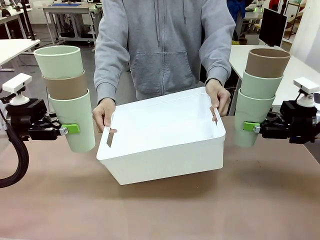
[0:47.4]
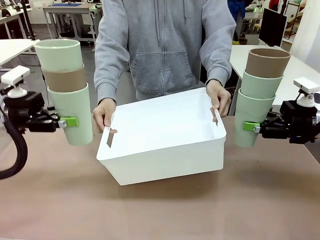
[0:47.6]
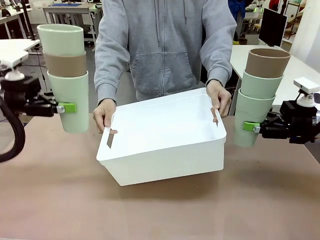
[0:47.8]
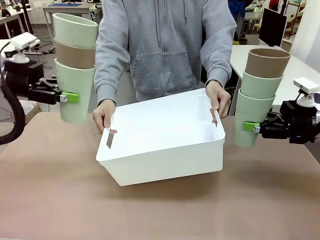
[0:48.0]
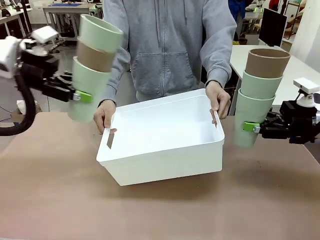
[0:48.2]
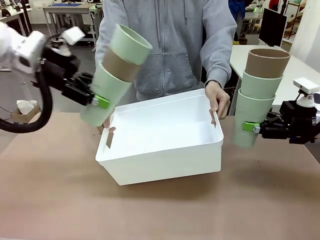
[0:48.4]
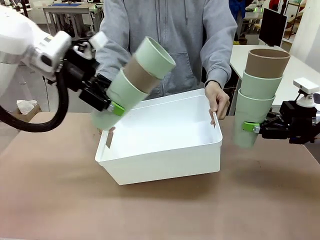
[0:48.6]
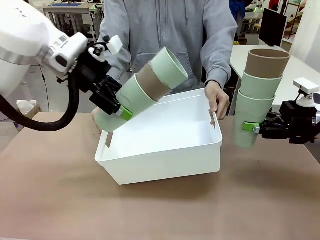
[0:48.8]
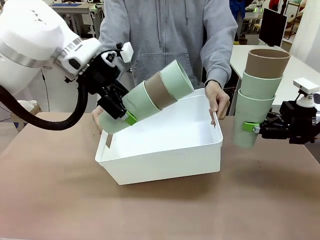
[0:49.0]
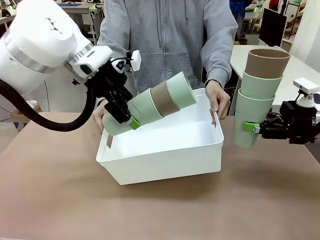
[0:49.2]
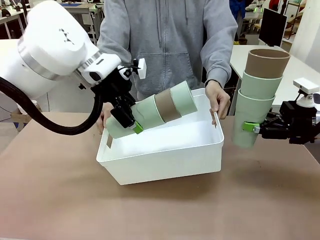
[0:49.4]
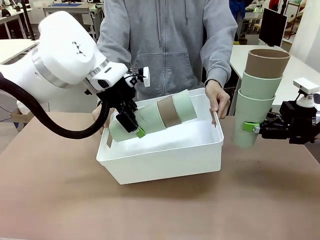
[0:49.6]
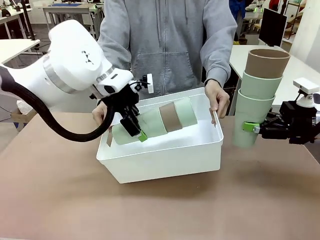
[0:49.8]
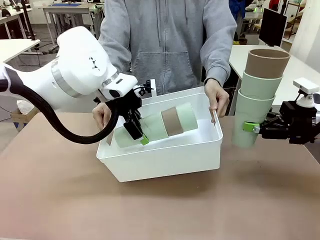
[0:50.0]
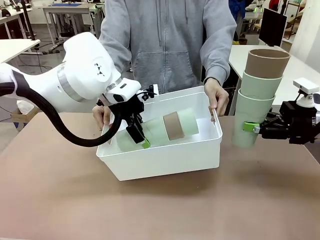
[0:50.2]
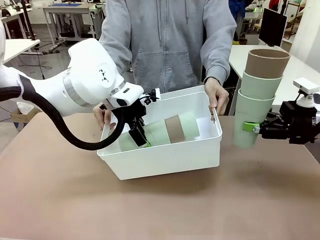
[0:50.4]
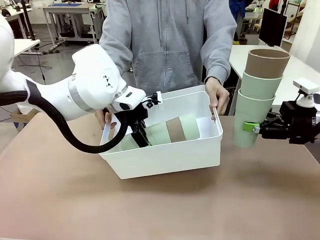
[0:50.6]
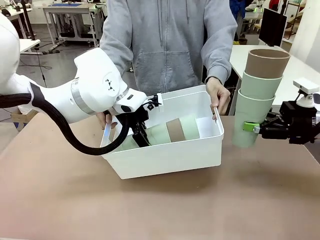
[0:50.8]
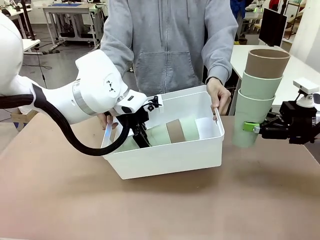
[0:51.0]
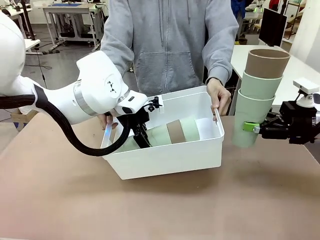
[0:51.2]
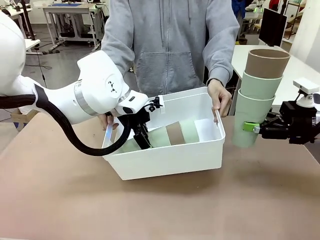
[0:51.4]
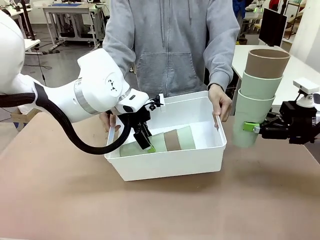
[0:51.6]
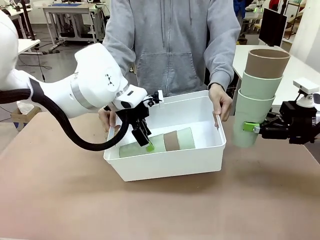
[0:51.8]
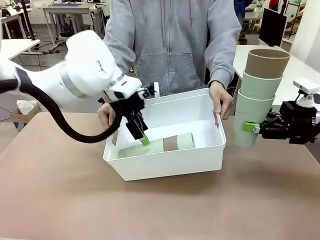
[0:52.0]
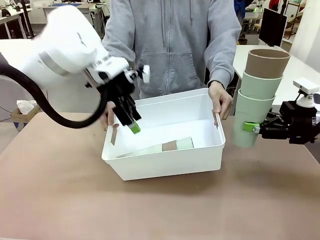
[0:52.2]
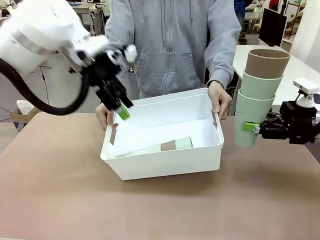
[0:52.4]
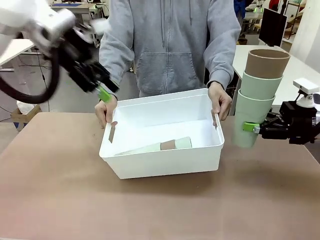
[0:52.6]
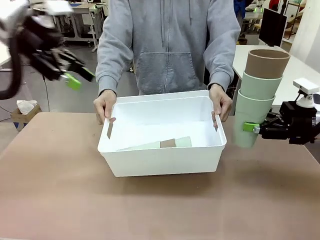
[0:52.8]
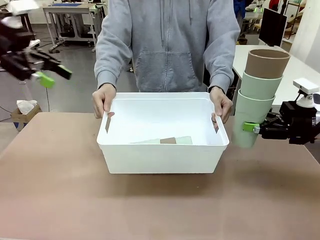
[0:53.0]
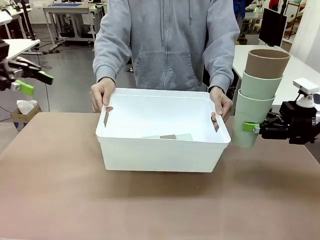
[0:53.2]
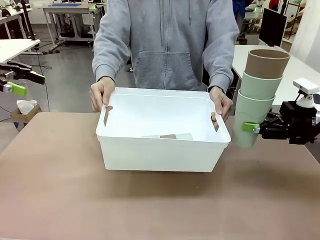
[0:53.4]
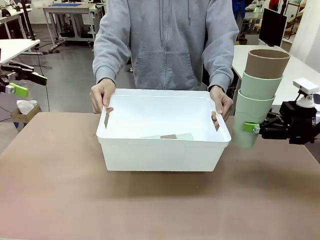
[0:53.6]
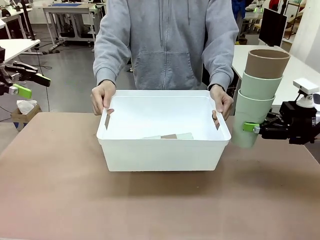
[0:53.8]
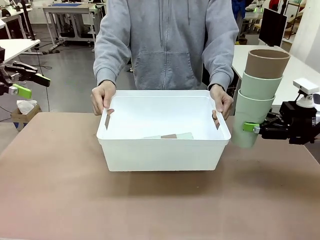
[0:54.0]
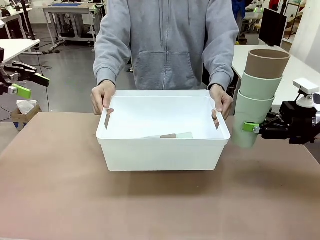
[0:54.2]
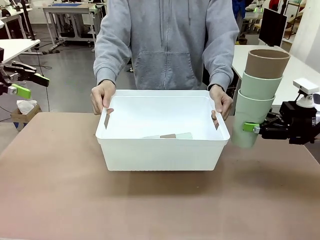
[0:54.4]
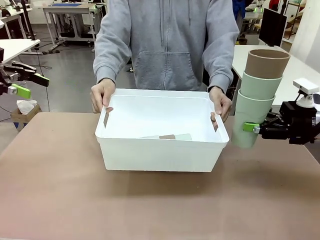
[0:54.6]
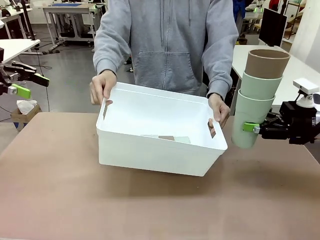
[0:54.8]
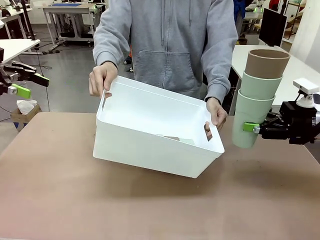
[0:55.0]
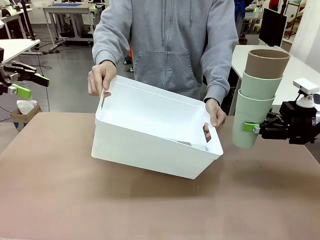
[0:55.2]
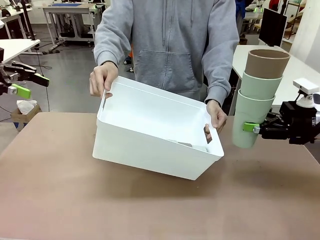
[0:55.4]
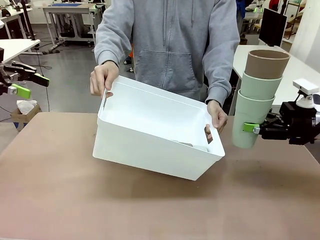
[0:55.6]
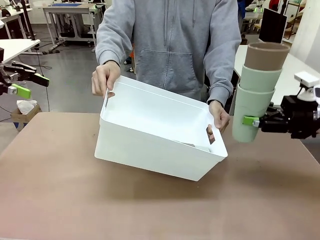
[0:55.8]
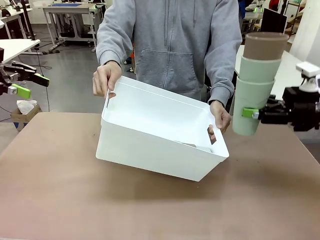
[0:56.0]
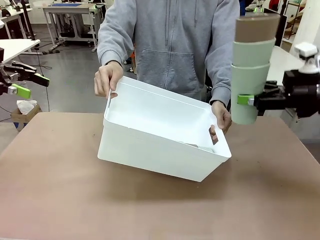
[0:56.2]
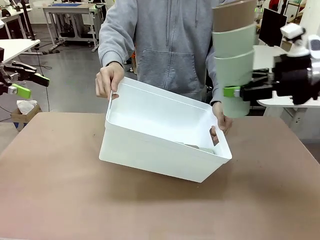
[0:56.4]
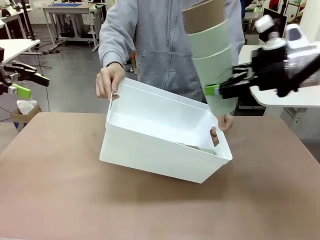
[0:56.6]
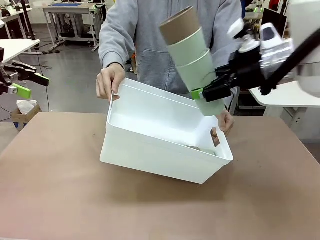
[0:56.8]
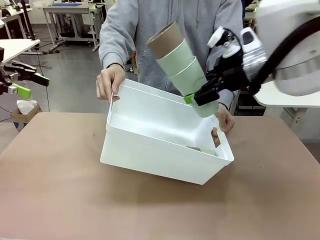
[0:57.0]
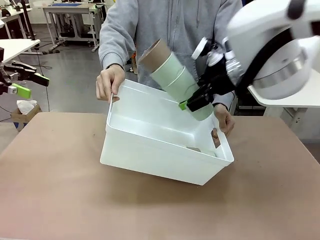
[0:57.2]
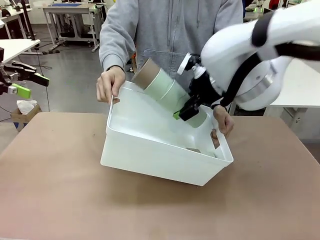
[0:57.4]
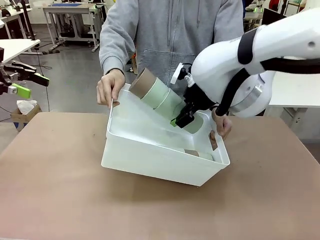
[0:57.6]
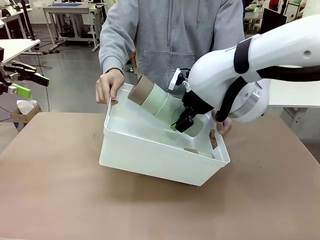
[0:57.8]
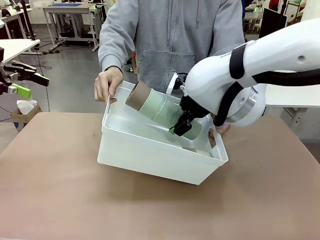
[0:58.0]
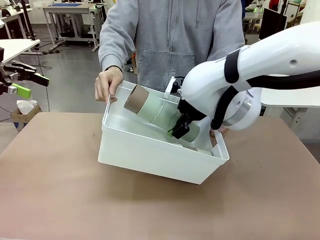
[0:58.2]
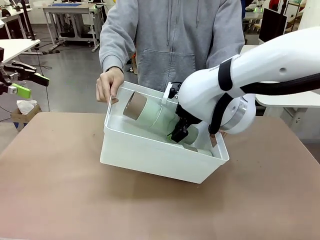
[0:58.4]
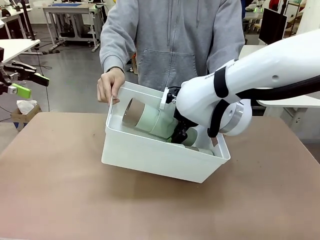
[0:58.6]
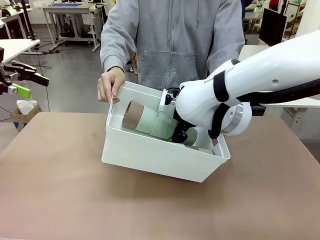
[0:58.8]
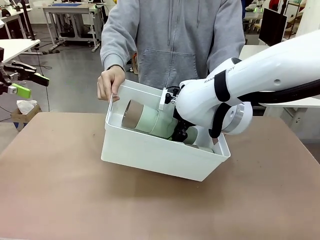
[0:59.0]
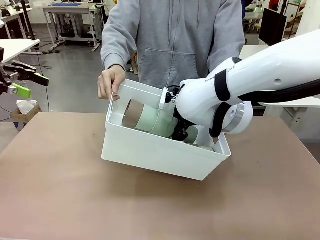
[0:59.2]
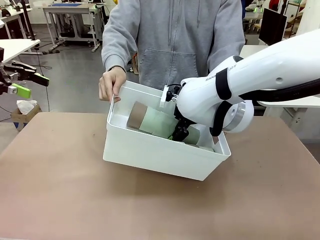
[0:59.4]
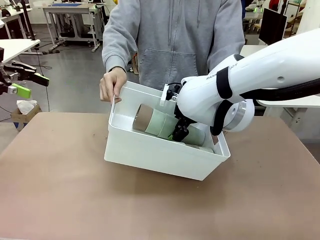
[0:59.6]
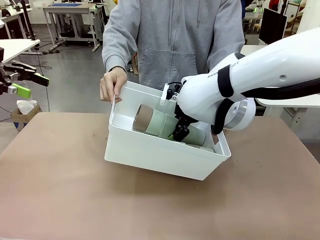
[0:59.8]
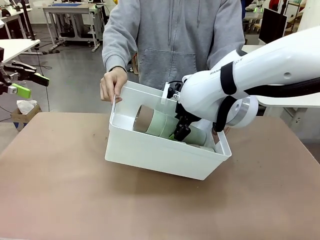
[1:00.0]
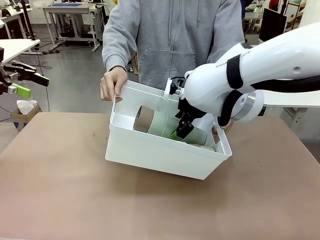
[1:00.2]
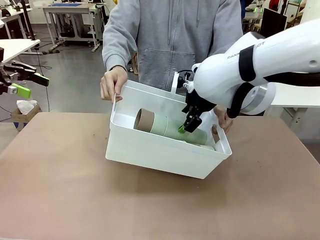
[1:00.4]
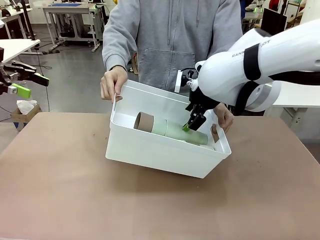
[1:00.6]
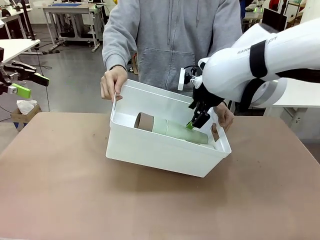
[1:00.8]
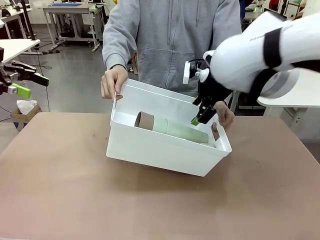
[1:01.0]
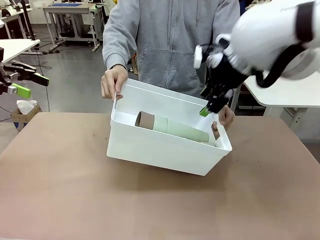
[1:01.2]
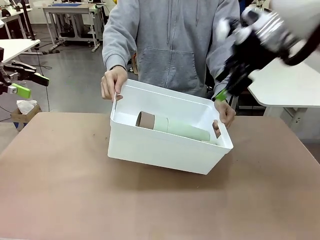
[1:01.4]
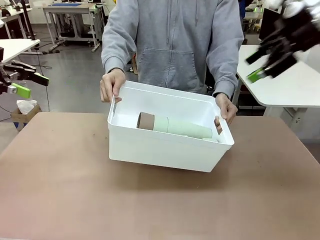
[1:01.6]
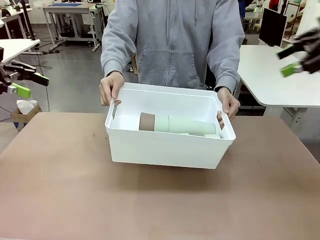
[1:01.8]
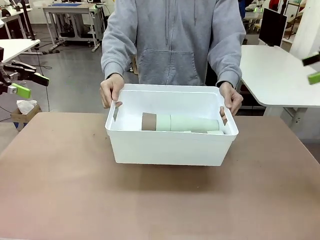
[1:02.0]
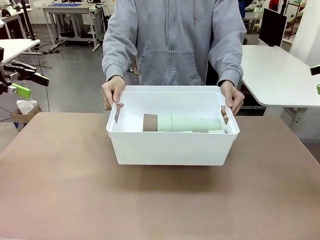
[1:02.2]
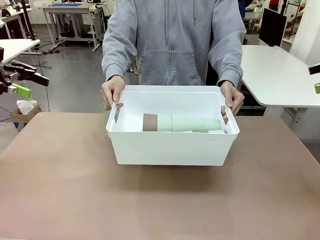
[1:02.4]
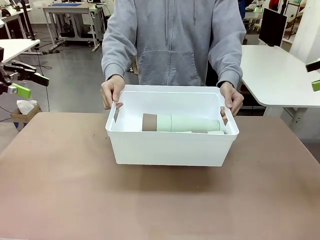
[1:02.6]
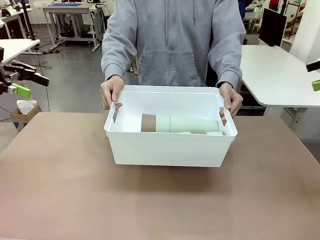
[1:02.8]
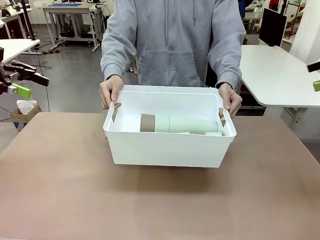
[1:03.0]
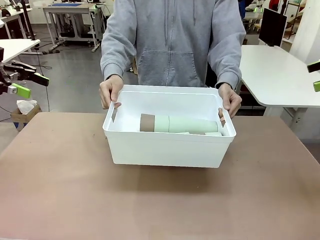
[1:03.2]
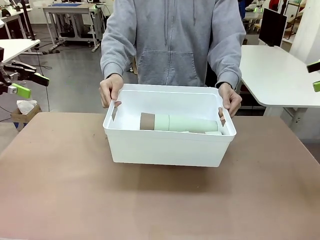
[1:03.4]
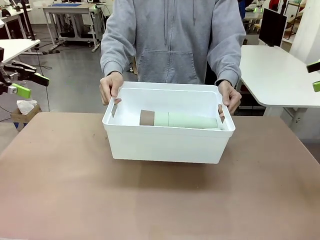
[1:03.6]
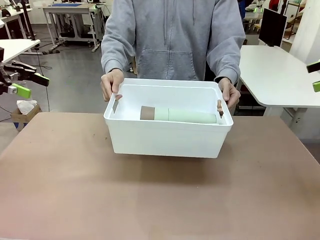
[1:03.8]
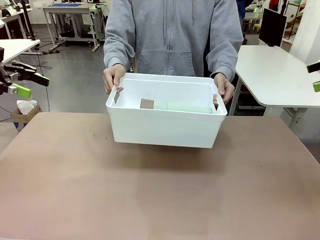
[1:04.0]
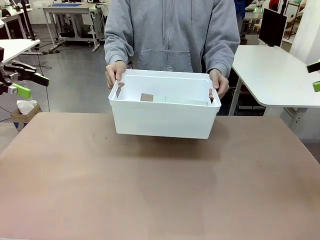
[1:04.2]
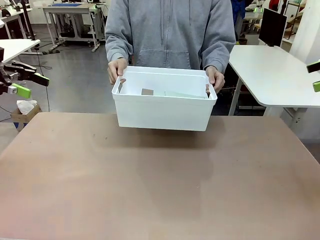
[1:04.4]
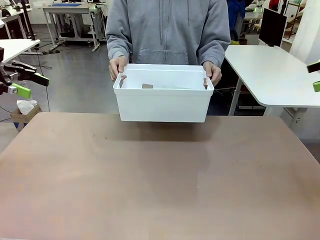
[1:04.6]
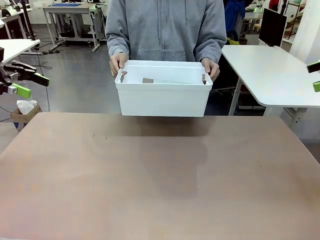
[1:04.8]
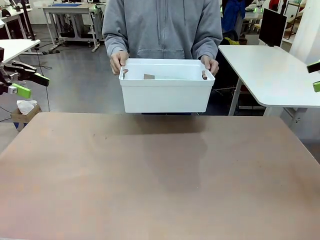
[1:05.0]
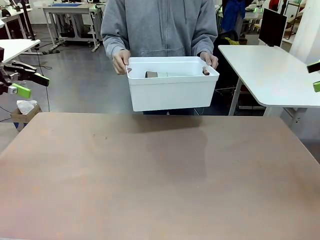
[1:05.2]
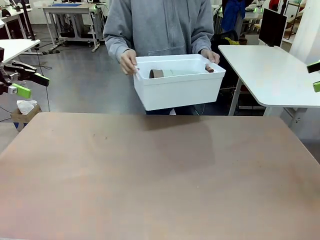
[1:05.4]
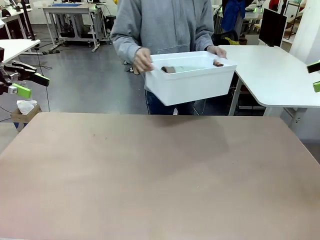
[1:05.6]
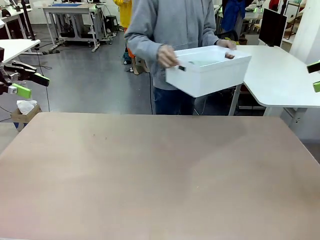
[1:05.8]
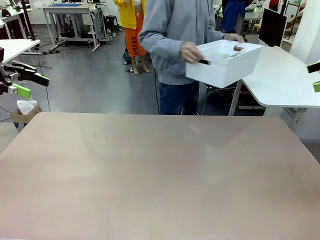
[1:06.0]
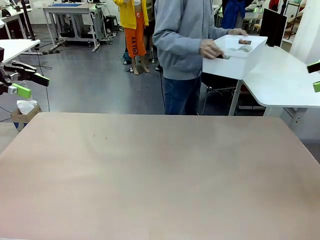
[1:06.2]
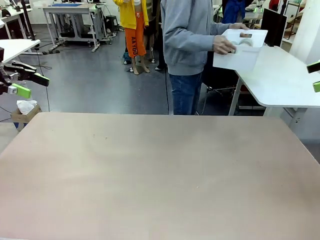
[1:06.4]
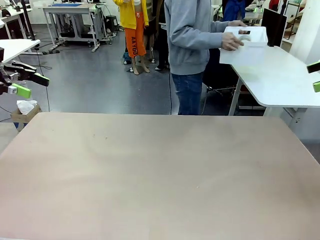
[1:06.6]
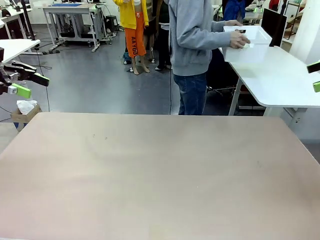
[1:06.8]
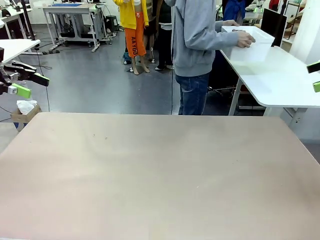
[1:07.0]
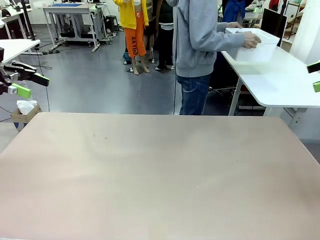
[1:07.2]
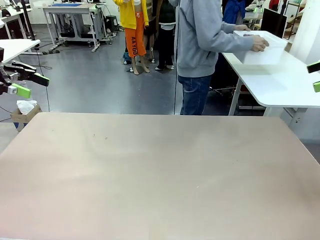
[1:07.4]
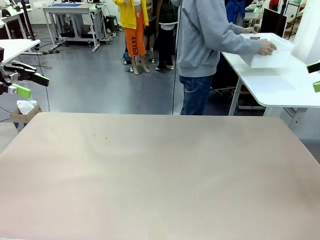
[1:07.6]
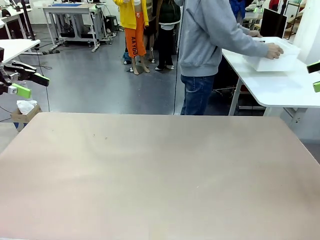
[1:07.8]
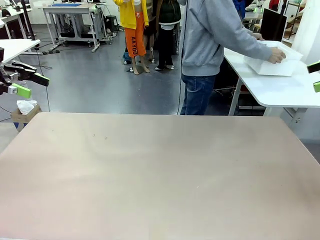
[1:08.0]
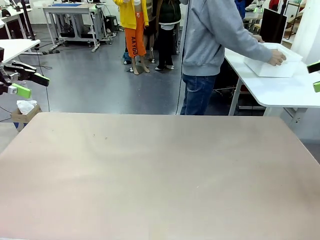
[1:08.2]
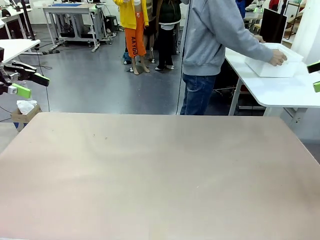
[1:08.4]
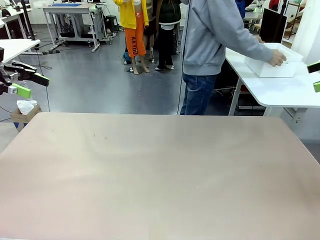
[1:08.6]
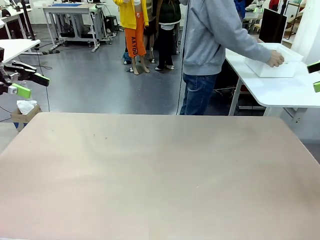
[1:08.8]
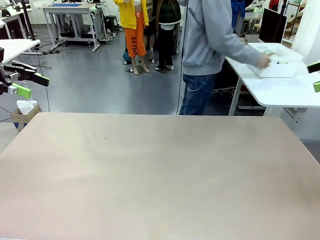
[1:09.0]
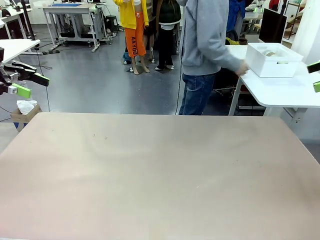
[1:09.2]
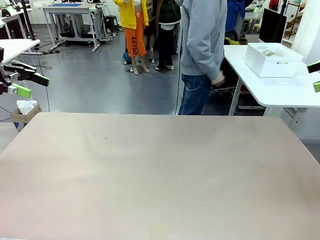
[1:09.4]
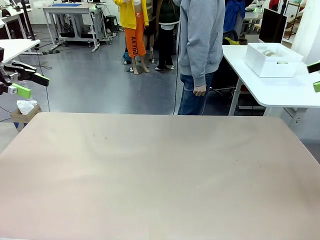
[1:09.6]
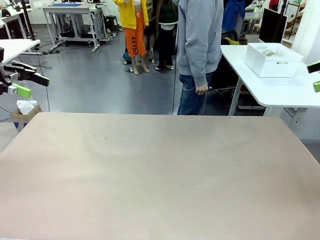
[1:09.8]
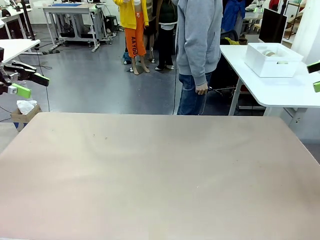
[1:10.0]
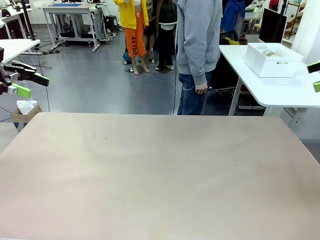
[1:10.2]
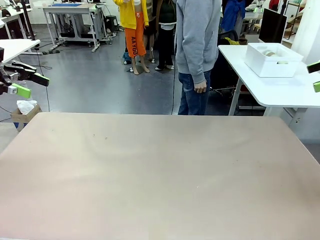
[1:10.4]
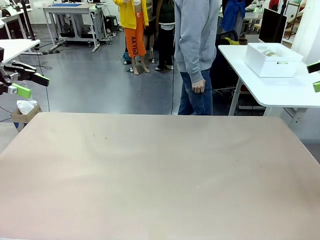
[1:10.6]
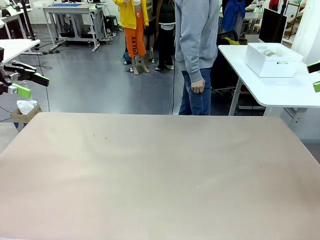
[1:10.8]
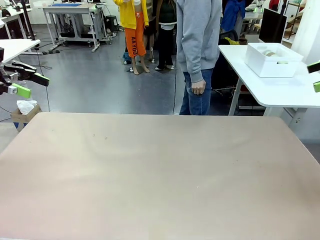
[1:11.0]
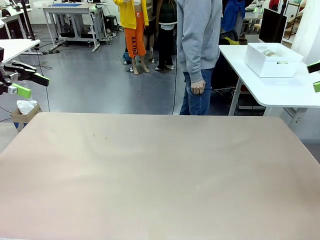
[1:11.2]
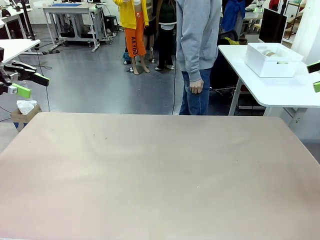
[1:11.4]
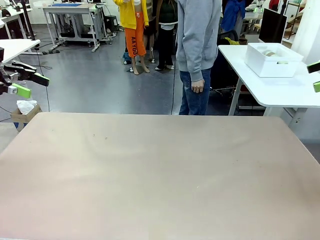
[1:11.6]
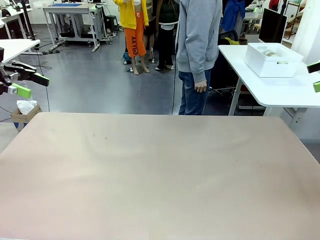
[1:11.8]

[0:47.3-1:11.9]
Task: Stack the cups and store them in the basket.
Robot: Place the stack of Reusable plastic cups into the Pantry Basket.
Person: Place the basket containing the cups in the middle of the Human Table.
